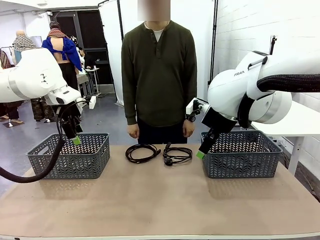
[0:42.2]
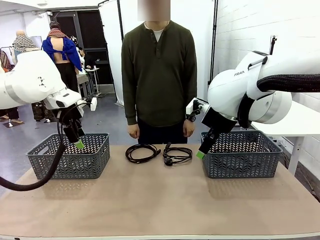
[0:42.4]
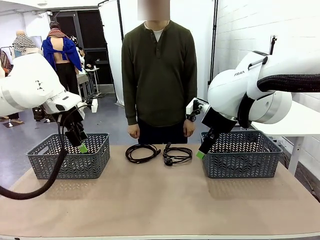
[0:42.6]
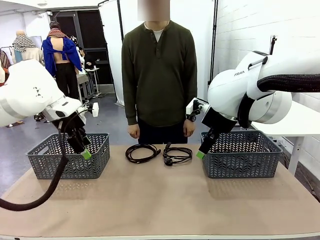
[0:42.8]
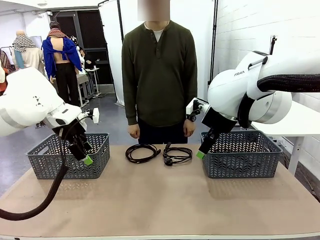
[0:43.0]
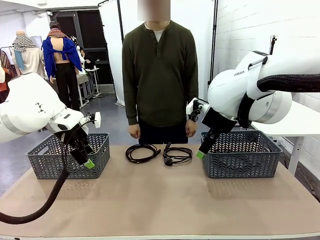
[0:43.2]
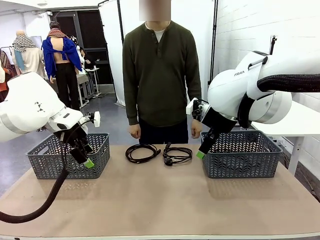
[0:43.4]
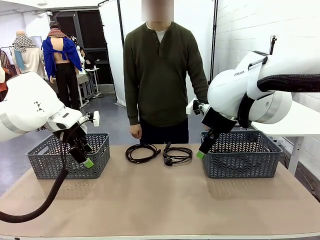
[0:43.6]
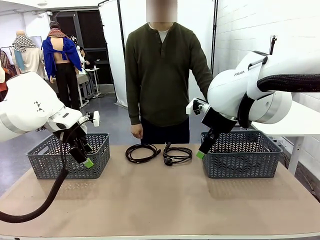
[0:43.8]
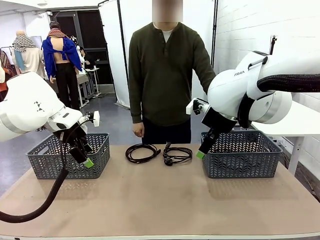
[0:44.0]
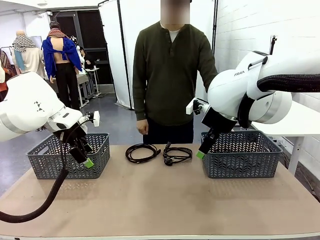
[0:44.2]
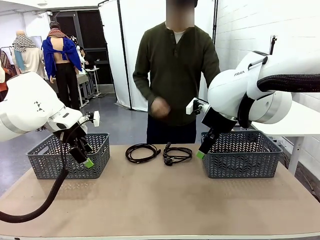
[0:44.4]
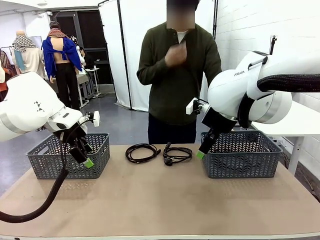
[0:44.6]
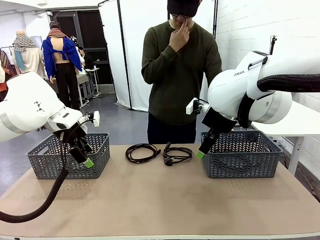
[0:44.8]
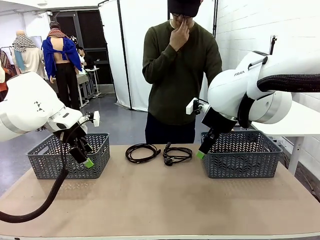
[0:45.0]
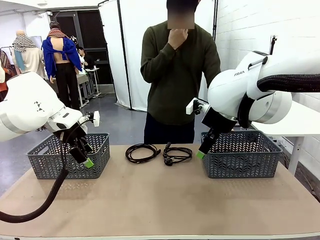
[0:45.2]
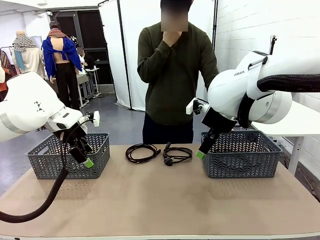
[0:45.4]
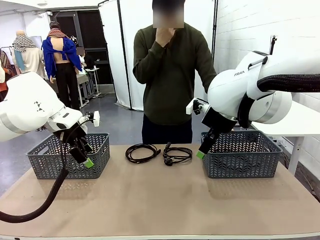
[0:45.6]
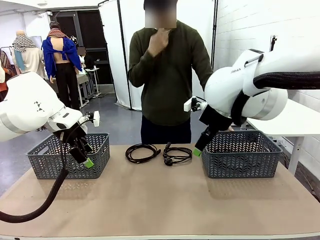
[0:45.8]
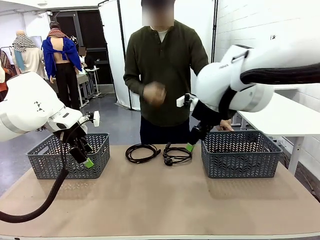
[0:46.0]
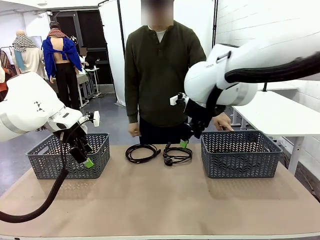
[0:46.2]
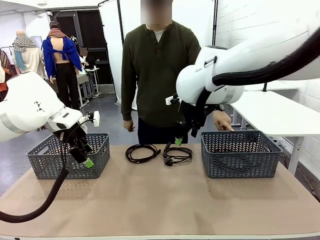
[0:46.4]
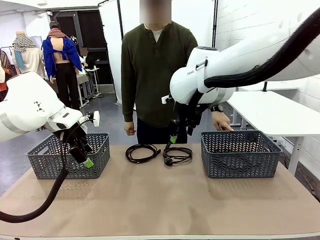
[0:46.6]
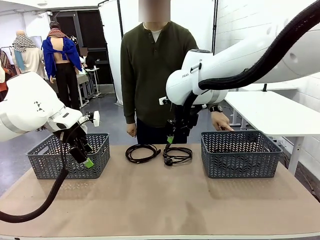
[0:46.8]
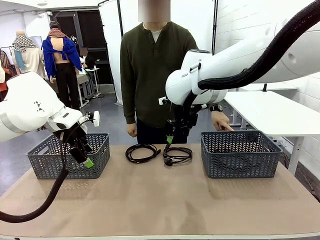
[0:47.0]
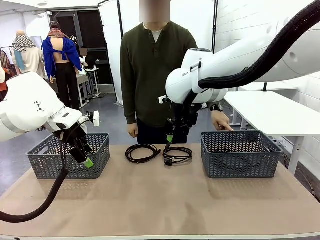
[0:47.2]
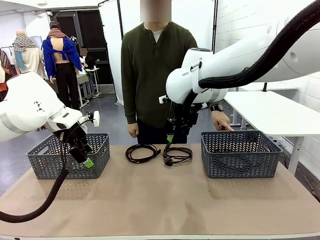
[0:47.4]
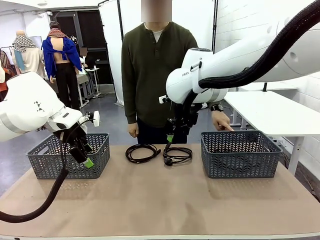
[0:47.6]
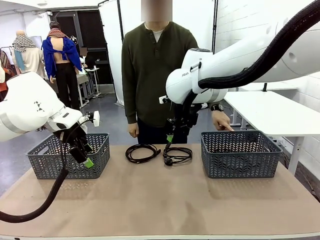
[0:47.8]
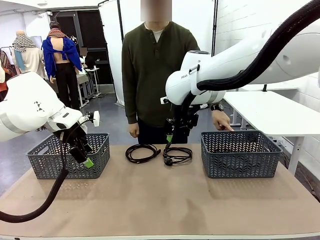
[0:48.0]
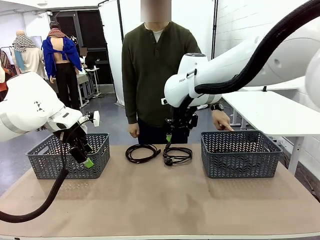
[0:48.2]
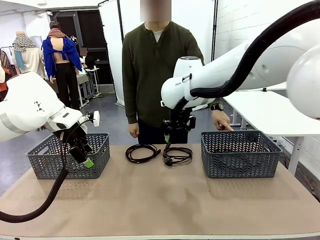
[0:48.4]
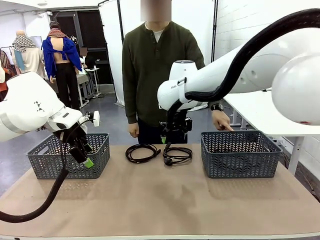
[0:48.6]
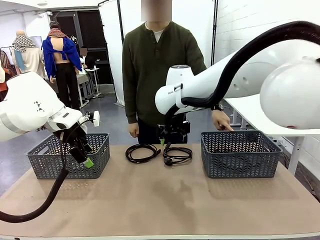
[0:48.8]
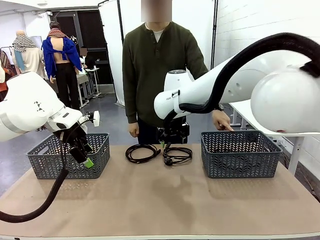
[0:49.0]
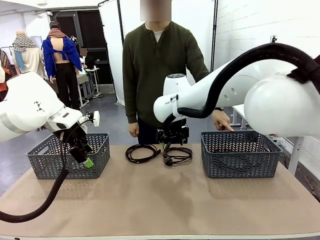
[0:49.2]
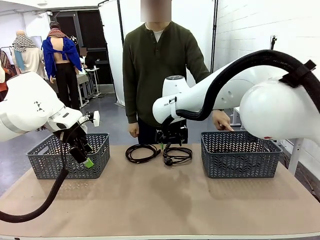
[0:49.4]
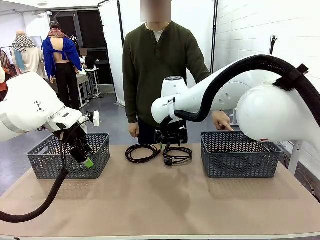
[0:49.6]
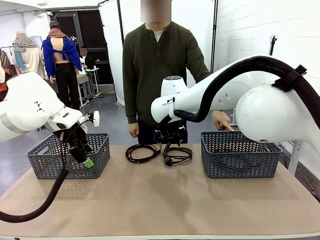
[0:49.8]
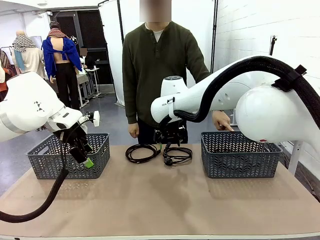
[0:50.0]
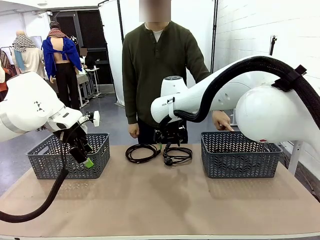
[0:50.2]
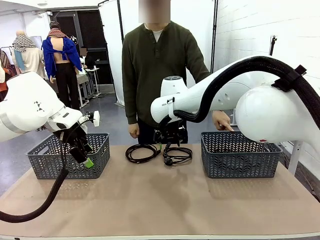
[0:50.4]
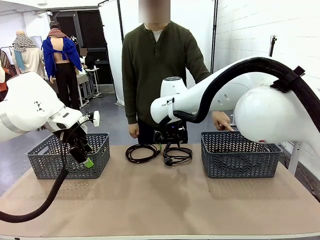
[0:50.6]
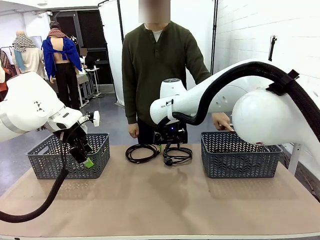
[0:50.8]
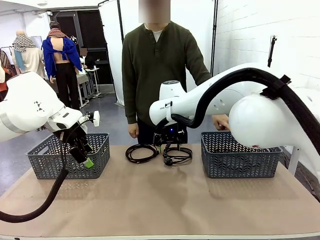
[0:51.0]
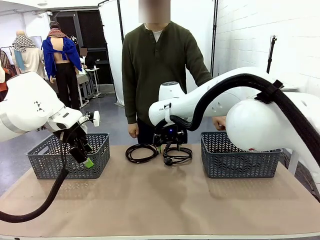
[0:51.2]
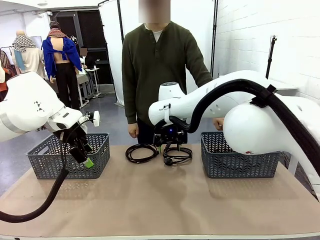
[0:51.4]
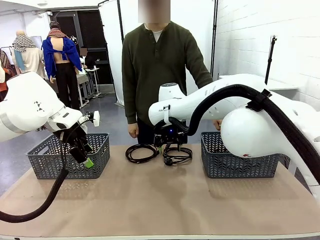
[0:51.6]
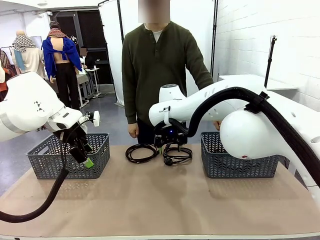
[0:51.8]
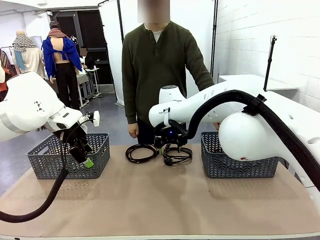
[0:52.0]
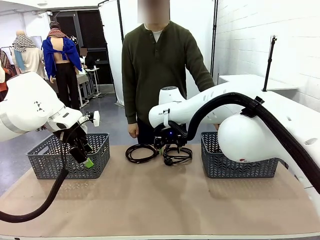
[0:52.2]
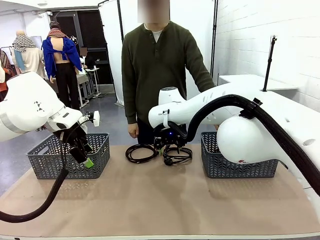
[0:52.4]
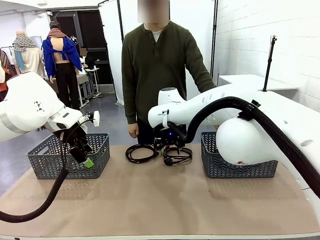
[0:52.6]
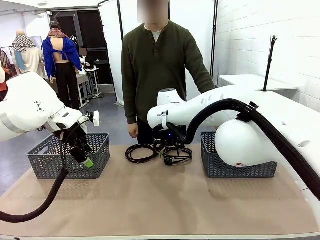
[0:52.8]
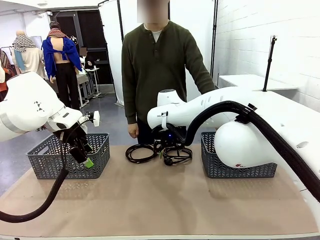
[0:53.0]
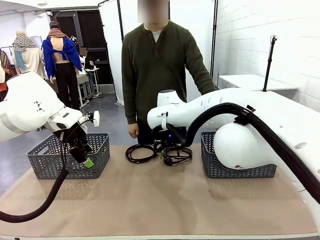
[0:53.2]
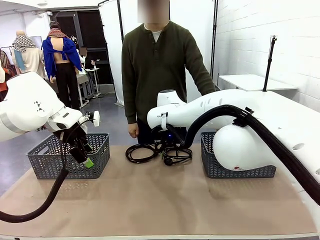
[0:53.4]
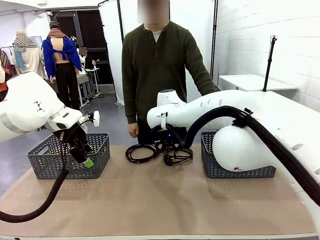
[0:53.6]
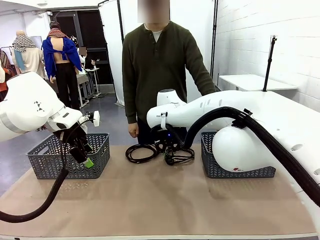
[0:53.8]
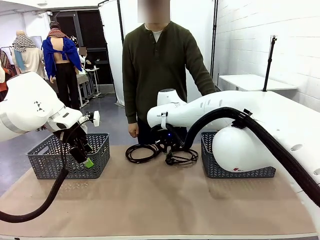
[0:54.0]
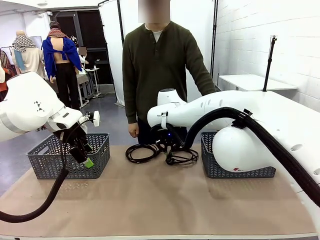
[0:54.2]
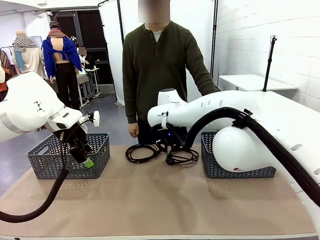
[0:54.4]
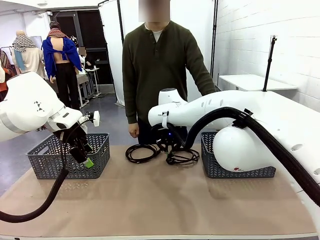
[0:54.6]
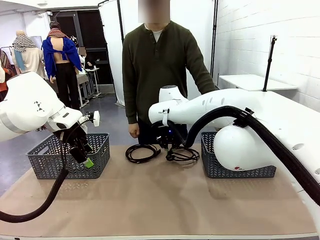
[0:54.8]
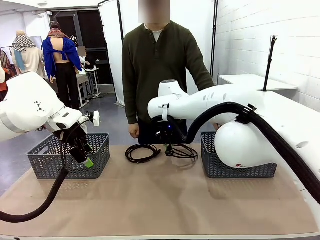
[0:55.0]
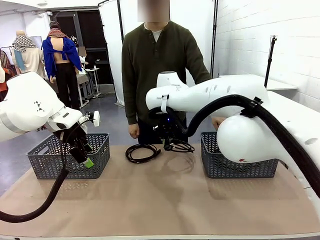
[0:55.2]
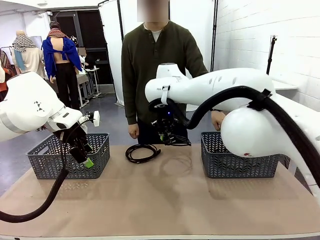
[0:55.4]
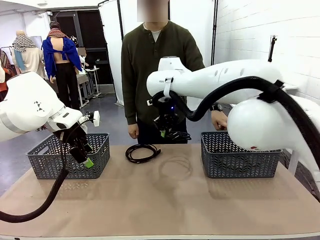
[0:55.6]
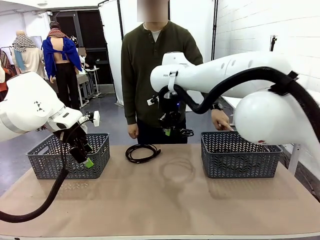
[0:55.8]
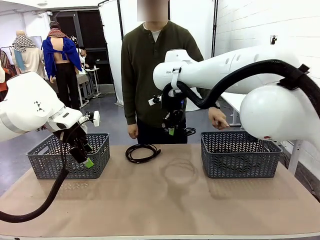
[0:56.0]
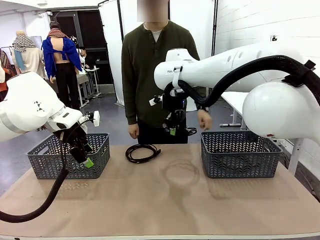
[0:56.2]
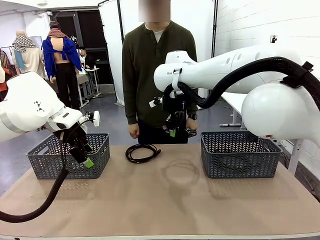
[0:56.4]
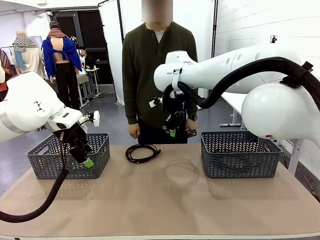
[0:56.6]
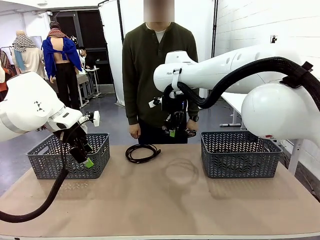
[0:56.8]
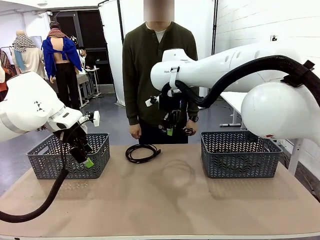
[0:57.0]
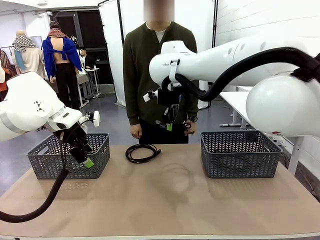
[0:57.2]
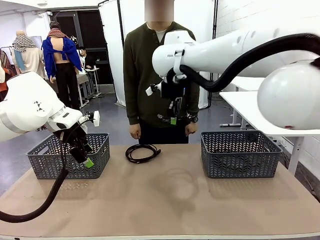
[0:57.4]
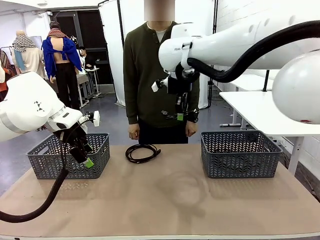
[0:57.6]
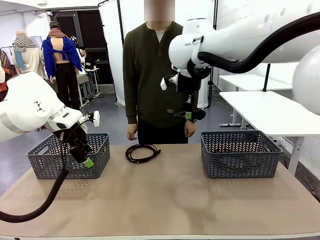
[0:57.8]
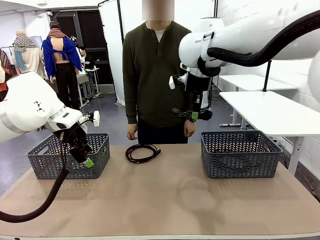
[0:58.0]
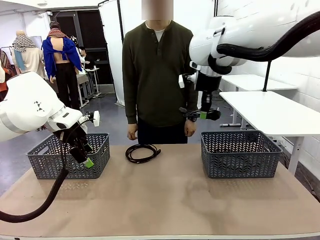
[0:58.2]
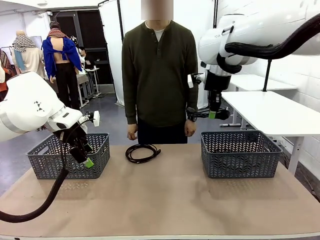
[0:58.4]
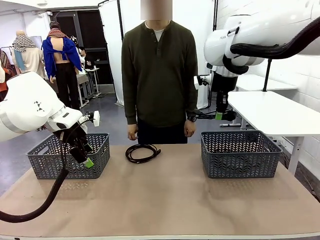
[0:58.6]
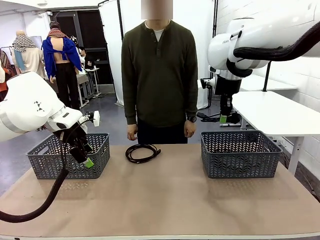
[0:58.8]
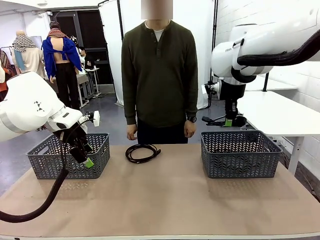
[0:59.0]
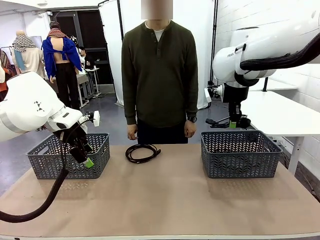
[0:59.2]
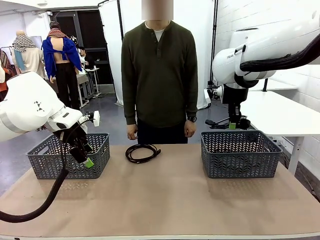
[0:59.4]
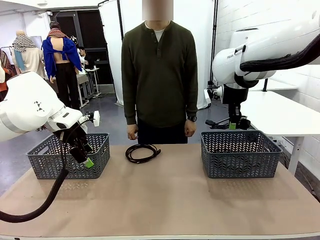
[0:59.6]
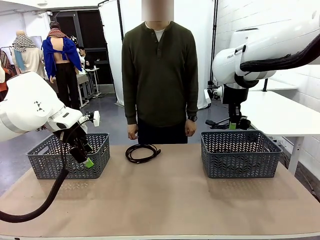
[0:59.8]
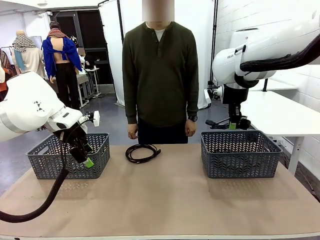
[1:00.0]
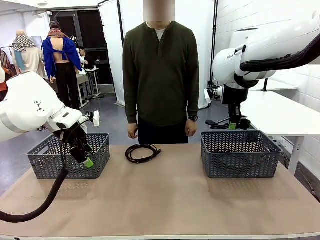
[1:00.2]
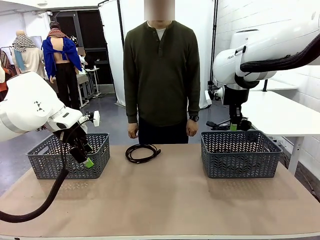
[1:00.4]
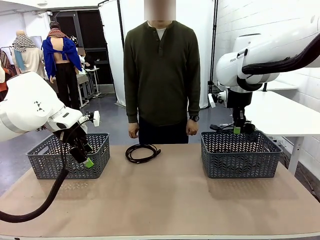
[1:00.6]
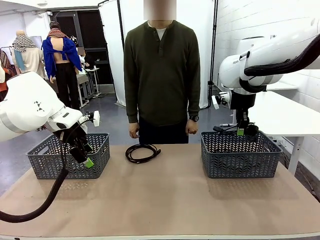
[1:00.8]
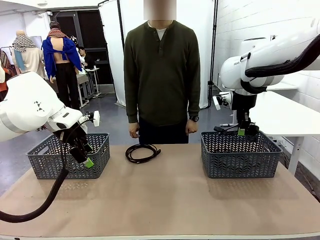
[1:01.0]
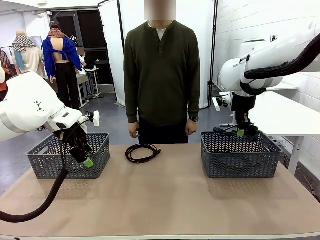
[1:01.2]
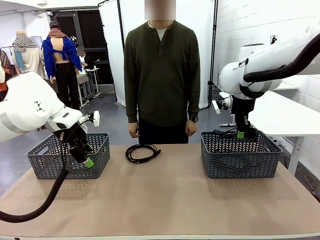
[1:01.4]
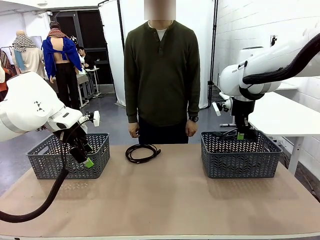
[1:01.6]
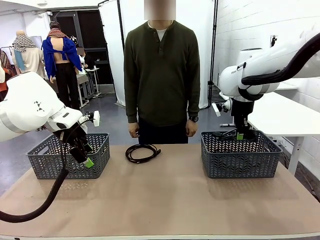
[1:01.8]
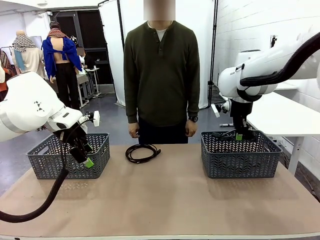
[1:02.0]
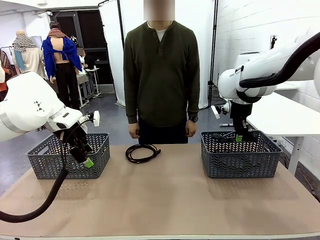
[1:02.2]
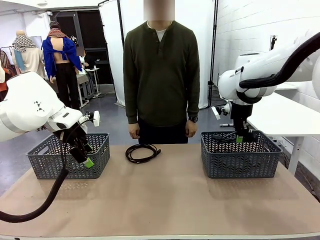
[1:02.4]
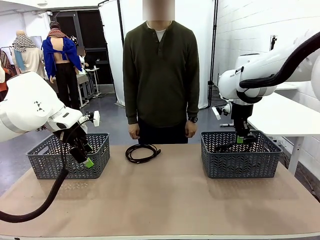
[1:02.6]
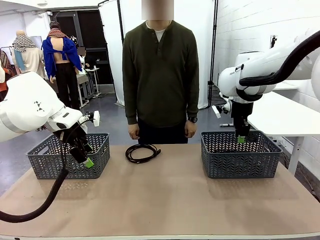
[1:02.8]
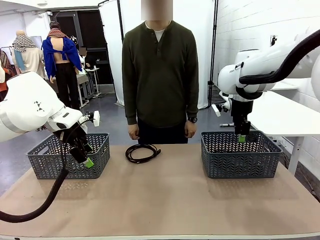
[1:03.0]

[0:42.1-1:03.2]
Task: Organize the cables according to human instructions.
Robot: Pick up a bundle of cables and place it in the basket indicated by the human.
